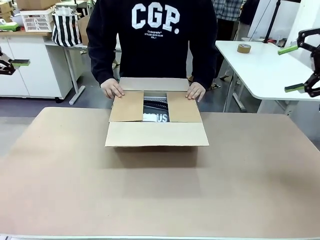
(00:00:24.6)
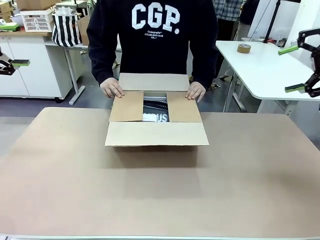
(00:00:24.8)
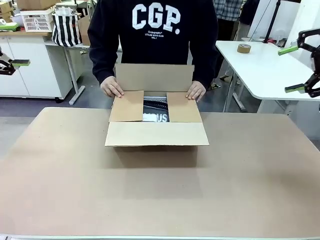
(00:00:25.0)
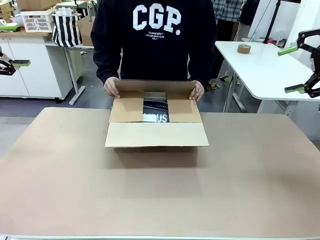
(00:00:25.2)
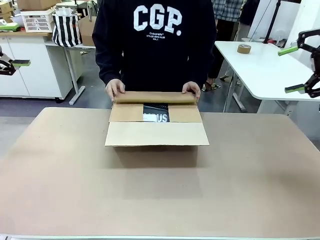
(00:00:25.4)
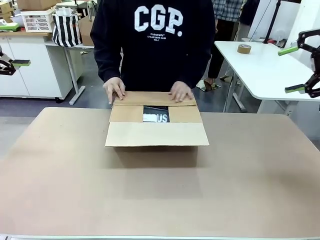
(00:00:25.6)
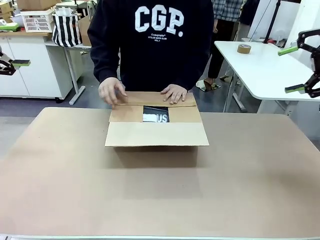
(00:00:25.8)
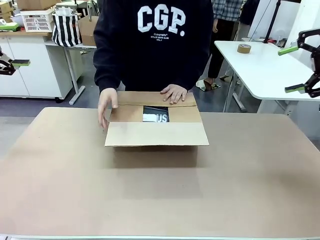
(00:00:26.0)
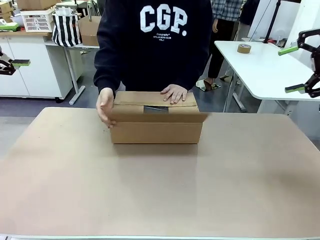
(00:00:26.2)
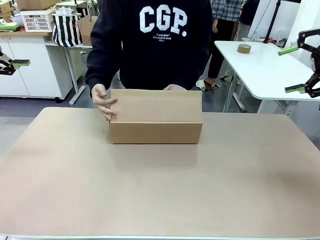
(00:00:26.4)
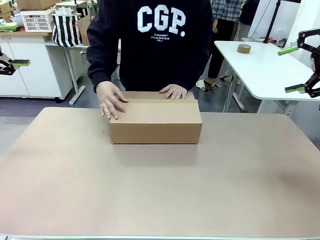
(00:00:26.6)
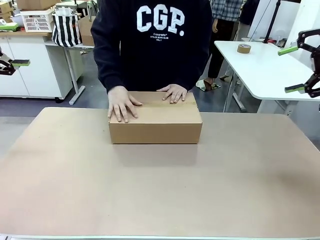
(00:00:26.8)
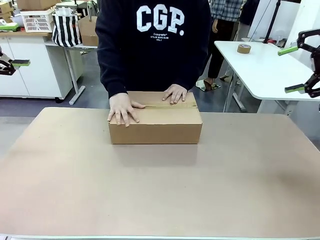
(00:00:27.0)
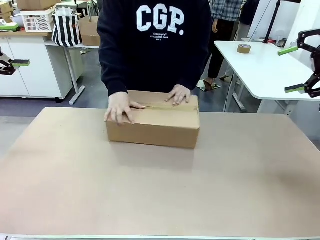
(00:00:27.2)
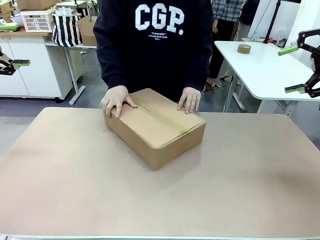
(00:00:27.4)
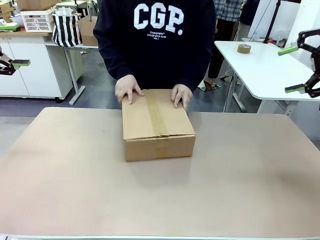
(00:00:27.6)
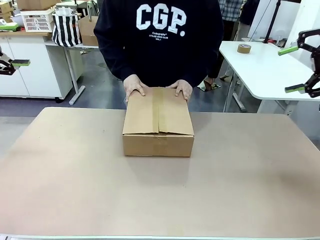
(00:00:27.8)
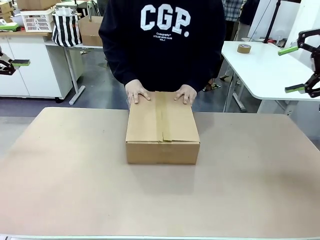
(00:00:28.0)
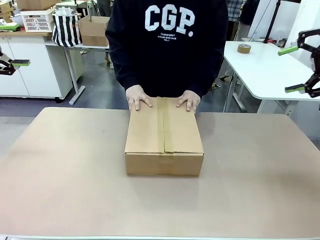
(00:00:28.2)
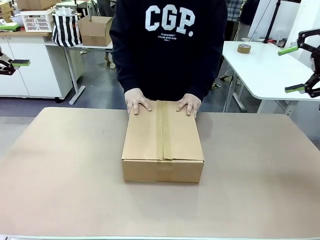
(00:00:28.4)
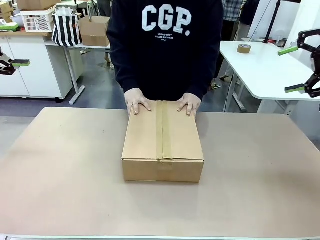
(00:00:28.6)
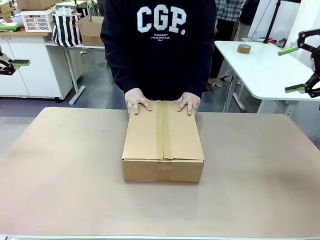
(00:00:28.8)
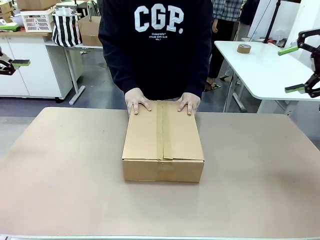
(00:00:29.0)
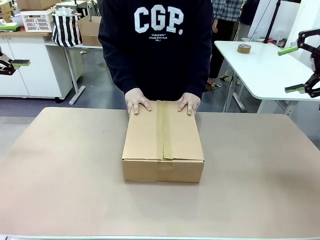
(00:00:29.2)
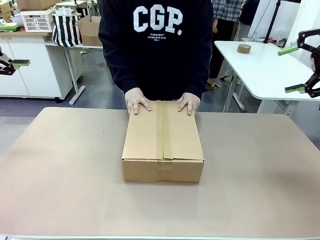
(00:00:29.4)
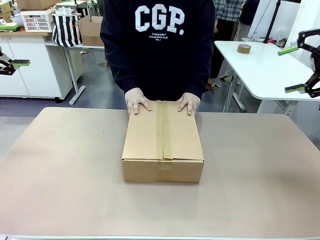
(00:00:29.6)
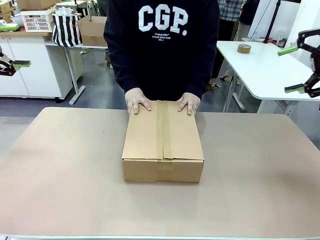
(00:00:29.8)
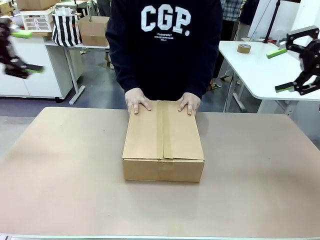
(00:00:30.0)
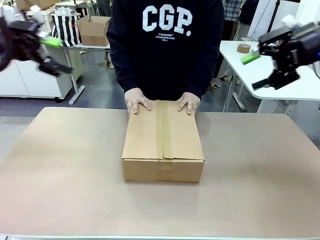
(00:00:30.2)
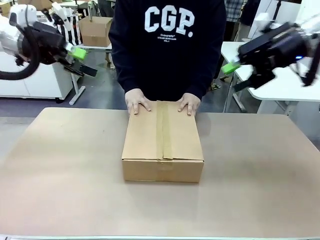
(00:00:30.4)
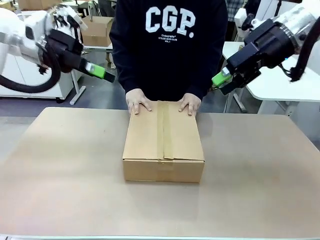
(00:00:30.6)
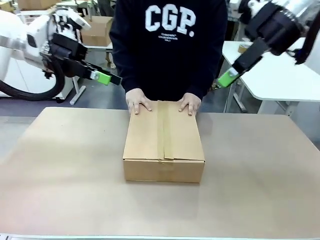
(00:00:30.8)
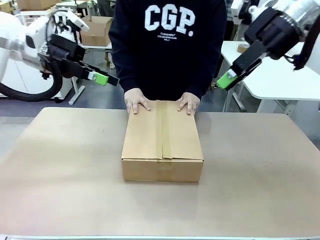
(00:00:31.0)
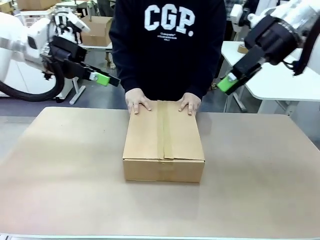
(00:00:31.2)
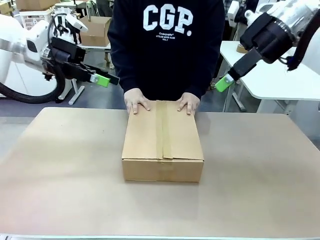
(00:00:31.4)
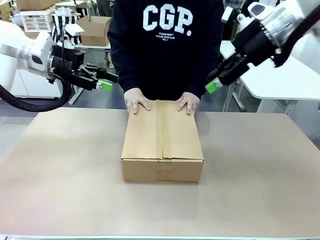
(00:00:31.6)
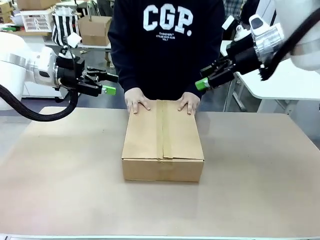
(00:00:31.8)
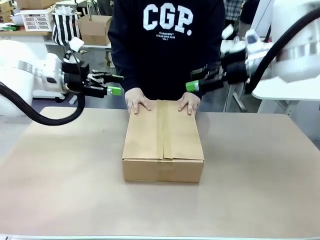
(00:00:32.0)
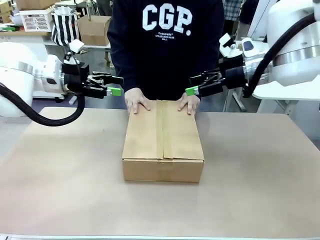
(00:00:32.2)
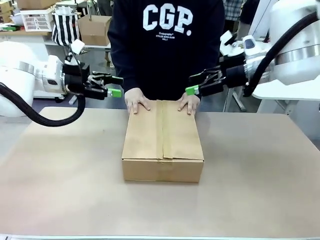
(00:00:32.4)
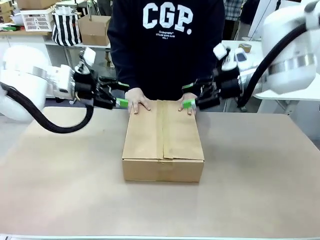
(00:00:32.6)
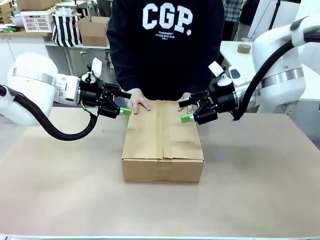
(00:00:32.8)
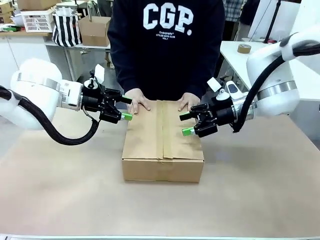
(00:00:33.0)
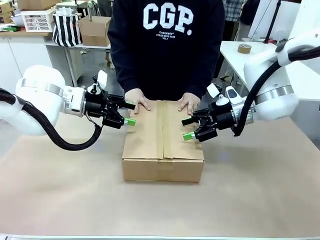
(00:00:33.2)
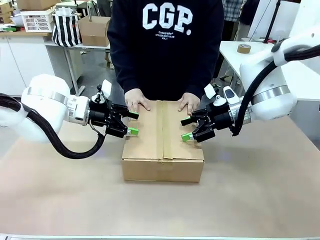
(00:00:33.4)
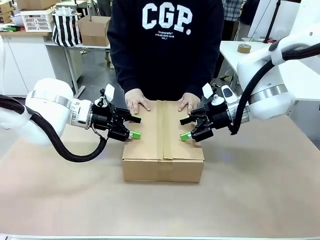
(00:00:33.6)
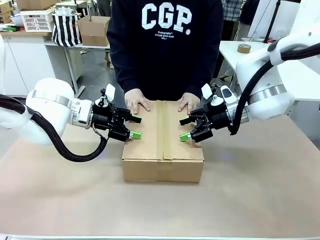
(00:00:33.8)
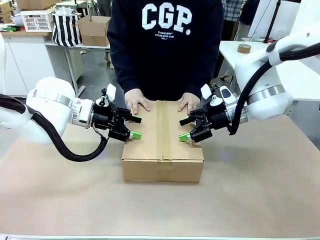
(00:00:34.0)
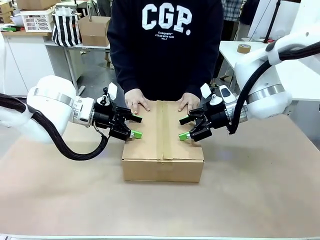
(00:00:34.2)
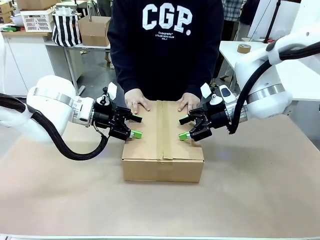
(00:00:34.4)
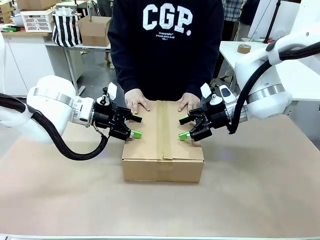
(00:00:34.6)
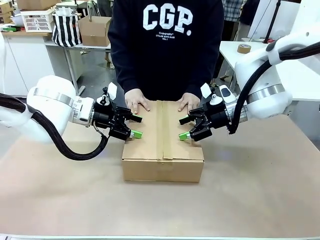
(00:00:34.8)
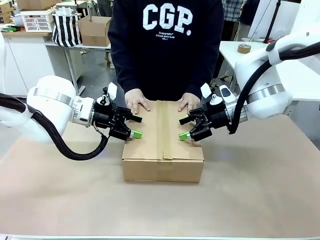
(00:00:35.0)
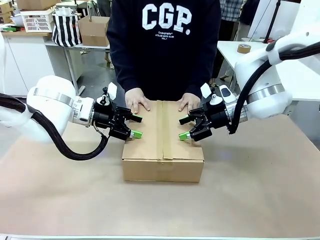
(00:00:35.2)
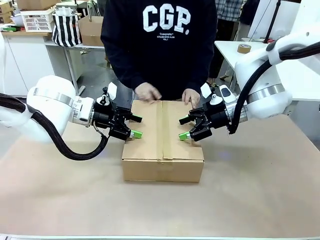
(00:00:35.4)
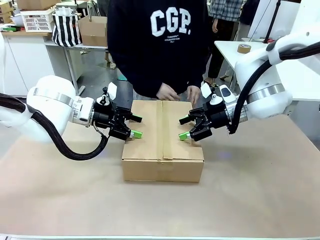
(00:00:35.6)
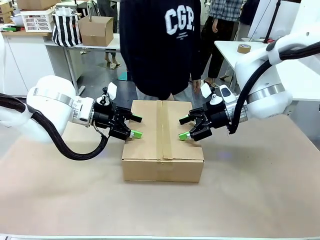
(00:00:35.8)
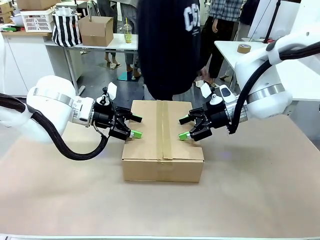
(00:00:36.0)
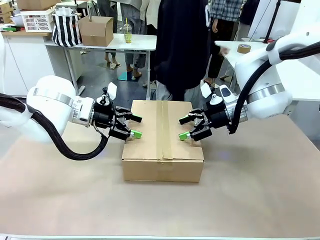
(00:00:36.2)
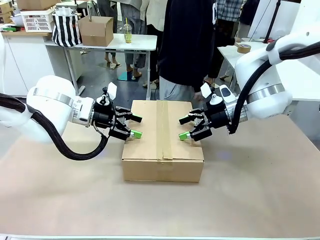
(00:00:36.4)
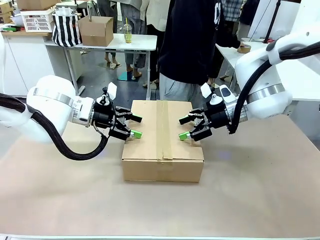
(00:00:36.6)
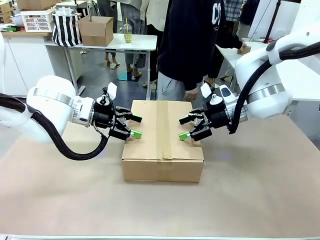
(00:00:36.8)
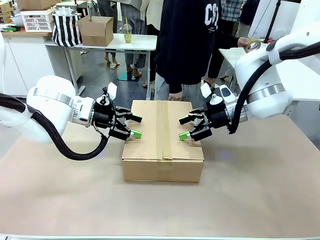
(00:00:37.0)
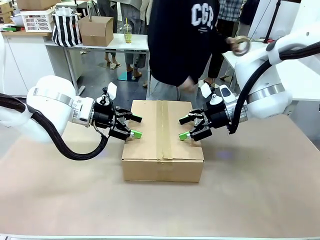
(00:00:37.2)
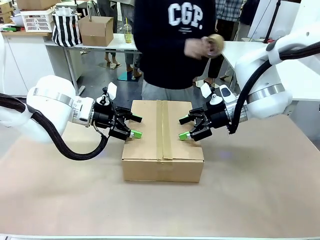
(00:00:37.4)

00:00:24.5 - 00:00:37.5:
Task: Pack the gift set into the box.
Robot: Press and hold the closed box until the human finishes sealing it.
Person: The human closes the box and rotates the box by 90 degrees.
